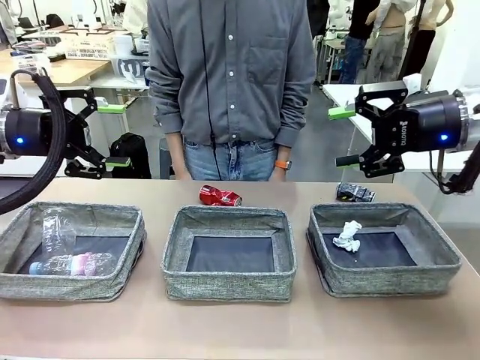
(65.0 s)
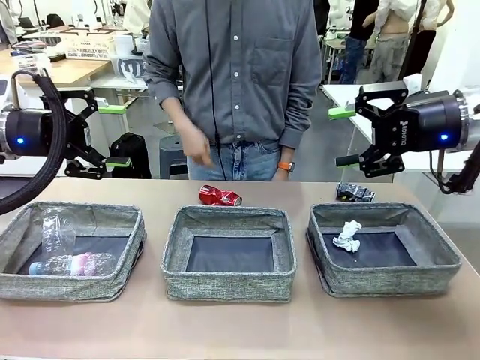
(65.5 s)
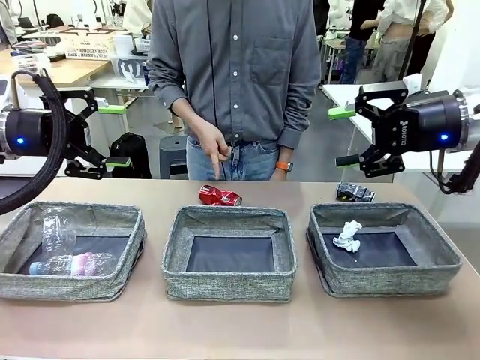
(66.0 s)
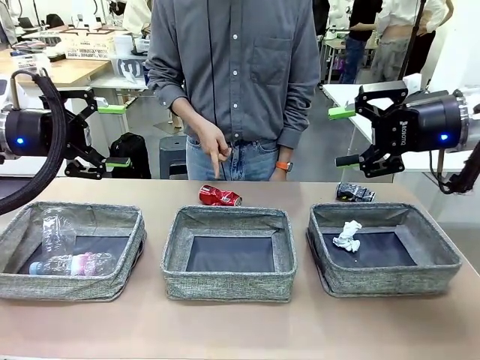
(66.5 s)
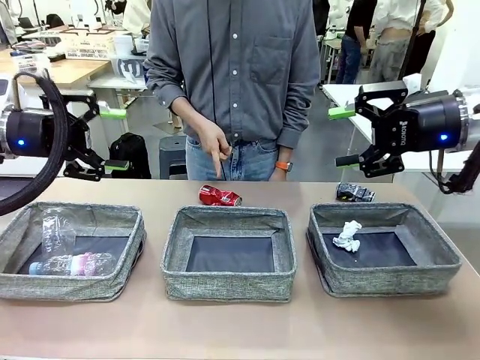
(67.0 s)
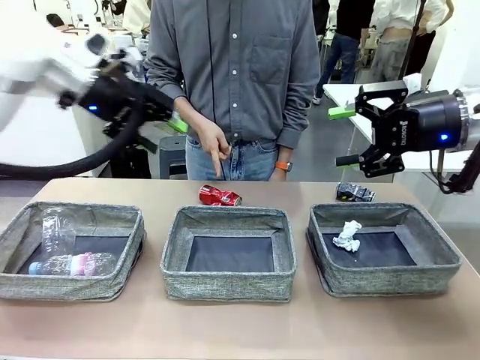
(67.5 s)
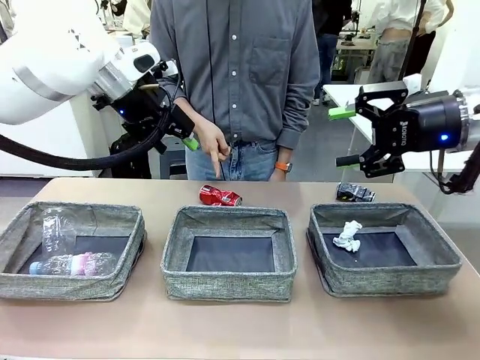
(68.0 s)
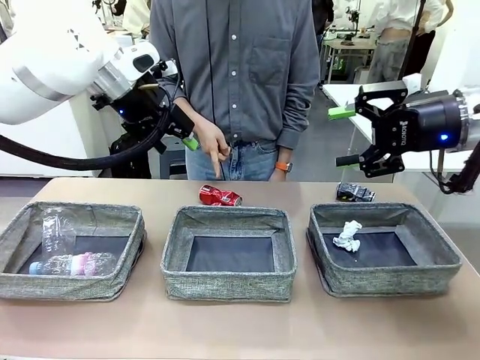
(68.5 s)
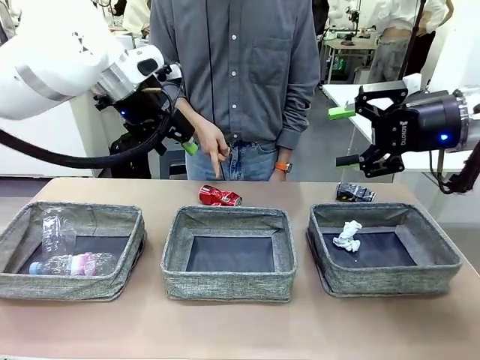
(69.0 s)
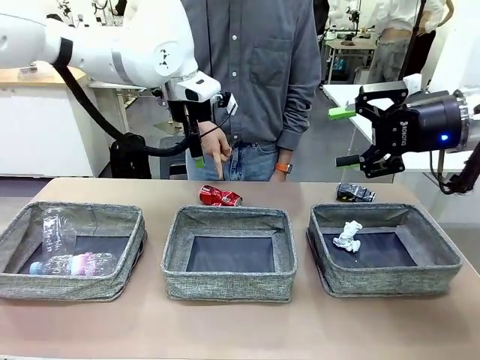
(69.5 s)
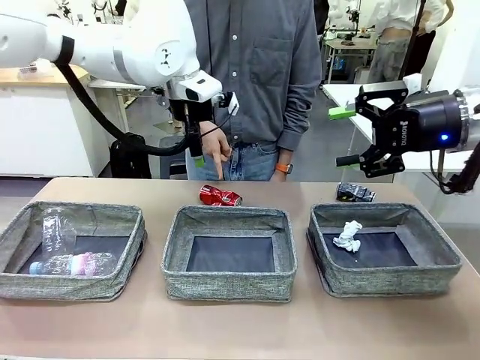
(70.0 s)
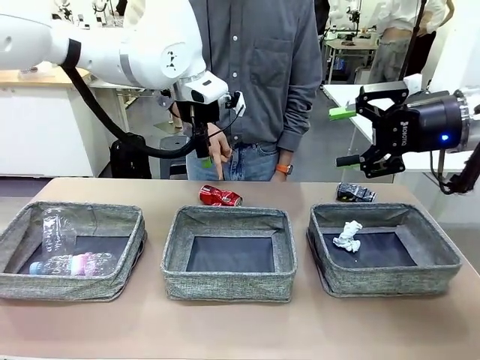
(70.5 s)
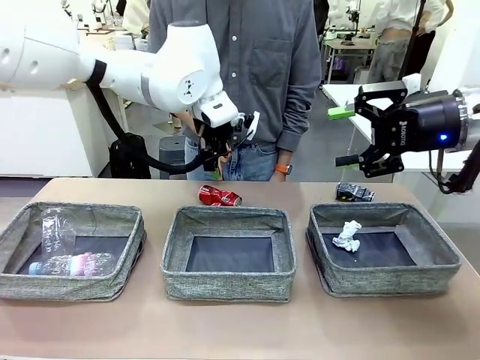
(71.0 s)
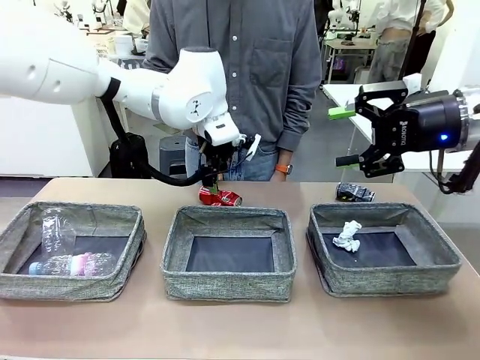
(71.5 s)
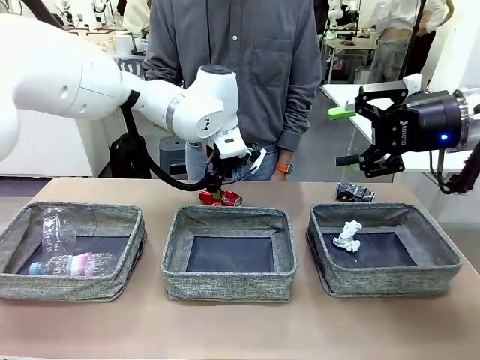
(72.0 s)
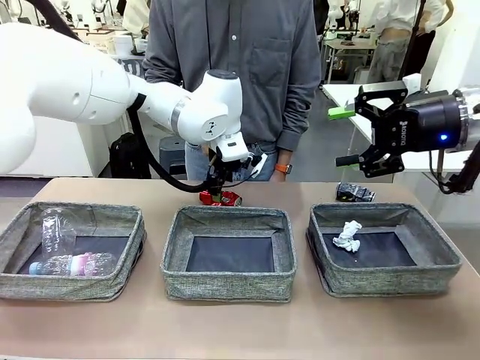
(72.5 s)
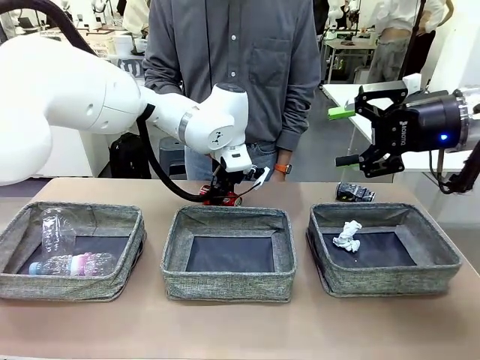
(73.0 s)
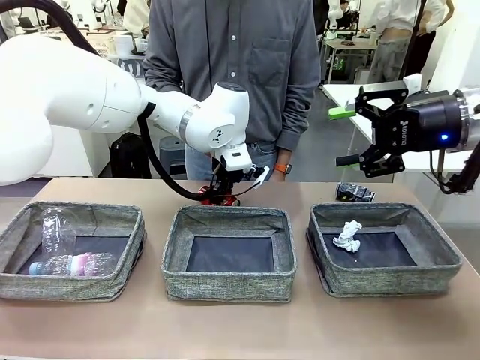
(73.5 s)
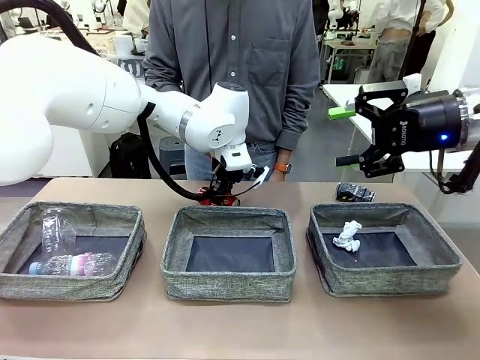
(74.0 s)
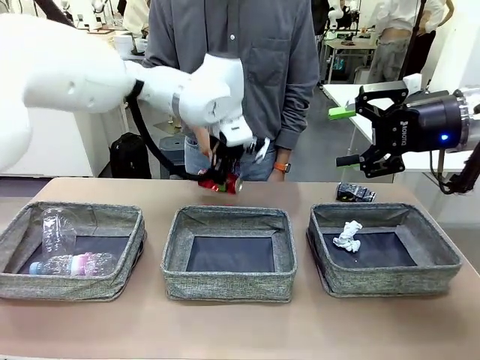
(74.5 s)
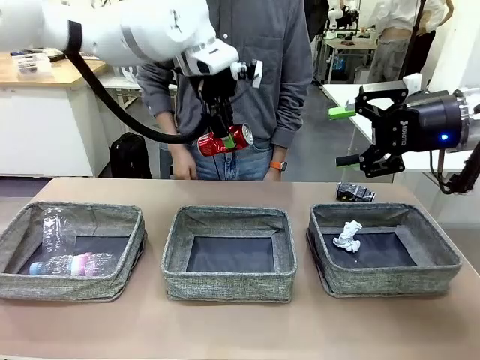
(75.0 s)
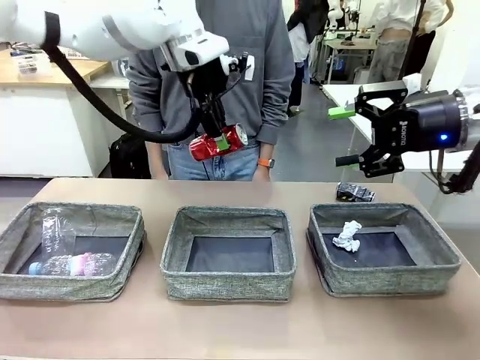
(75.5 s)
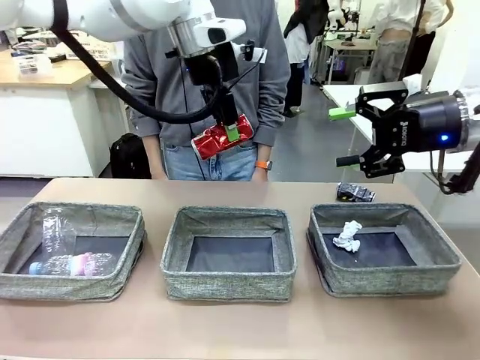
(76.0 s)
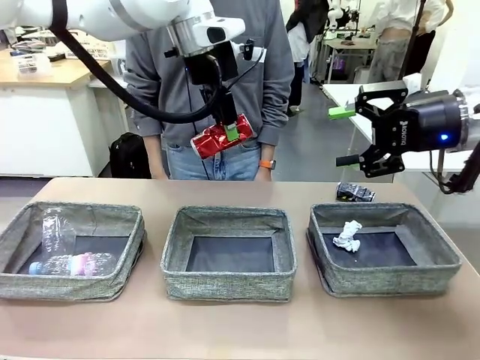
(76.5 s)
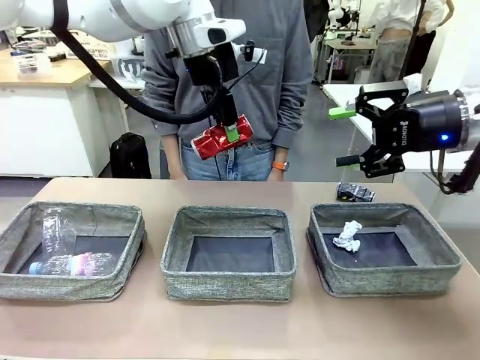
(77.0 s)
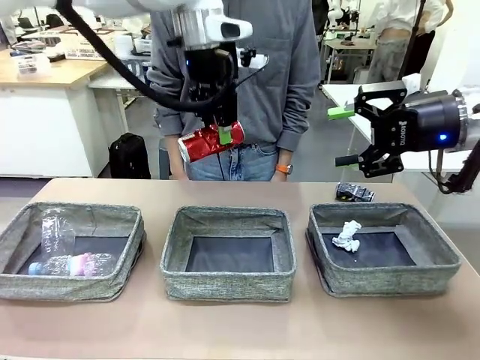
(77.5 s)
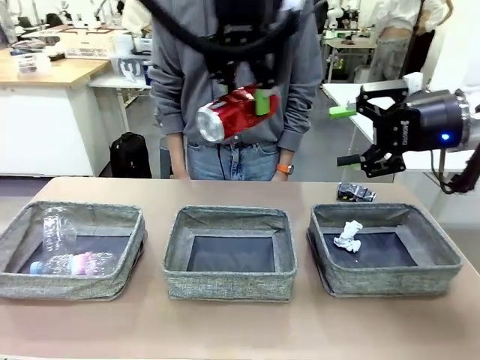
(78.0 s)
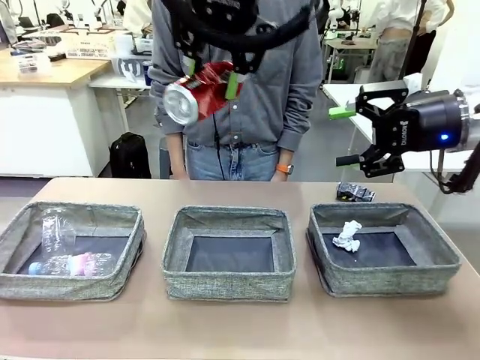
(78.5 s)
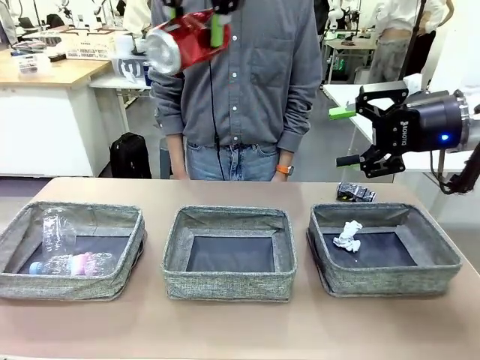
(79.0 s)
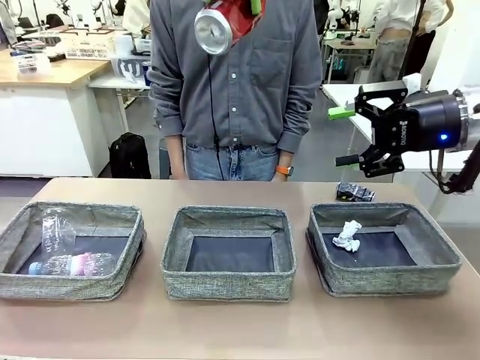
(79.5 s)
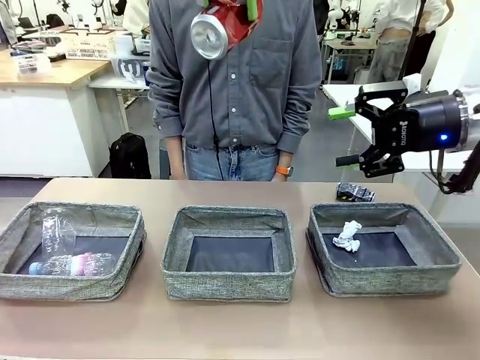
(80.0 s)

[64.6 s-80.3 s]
Task: Sort the waste into the appropriate baskets.
Robot: Pick up the waste item pointed out by the person.
Person: Points to one piece of trash on the table.

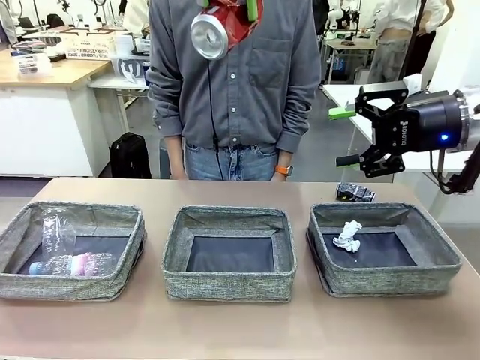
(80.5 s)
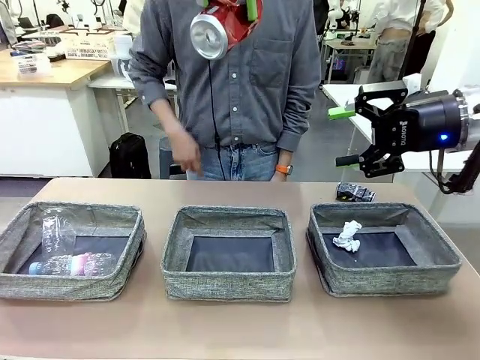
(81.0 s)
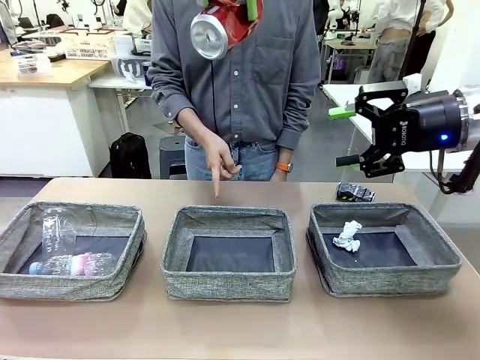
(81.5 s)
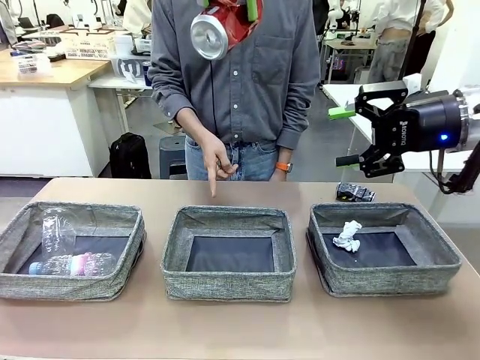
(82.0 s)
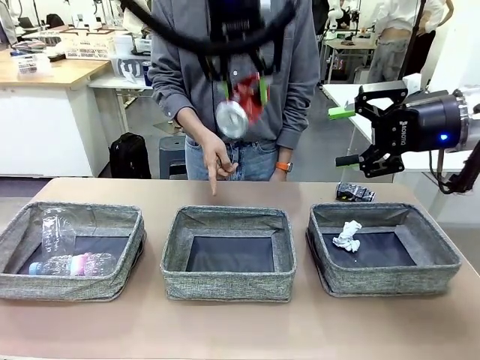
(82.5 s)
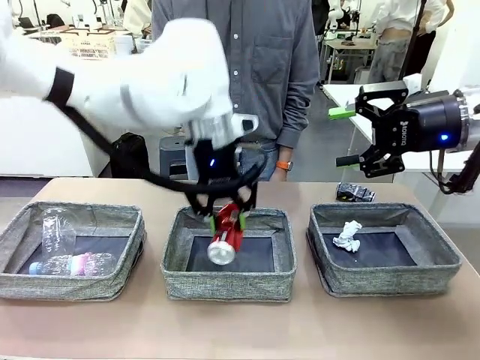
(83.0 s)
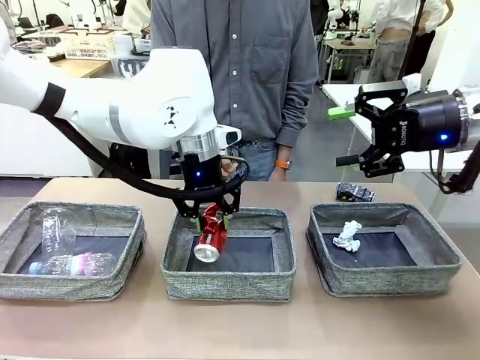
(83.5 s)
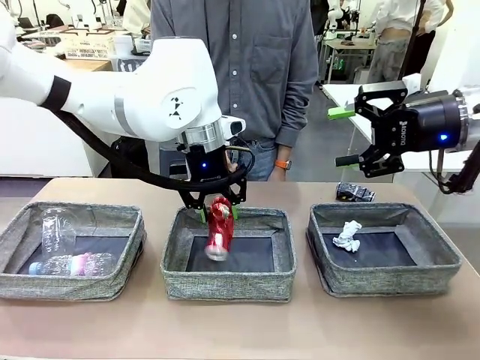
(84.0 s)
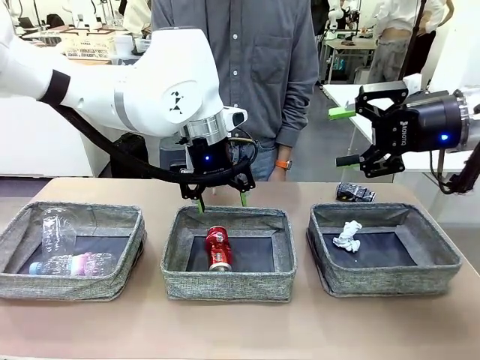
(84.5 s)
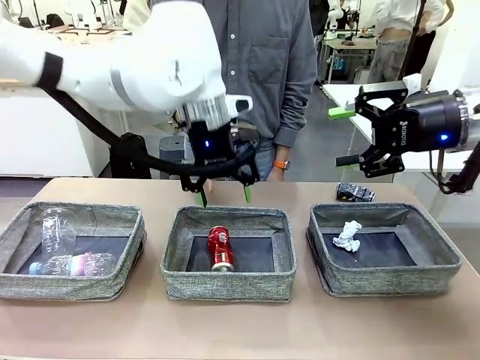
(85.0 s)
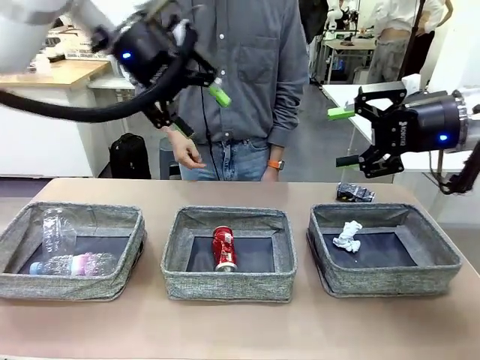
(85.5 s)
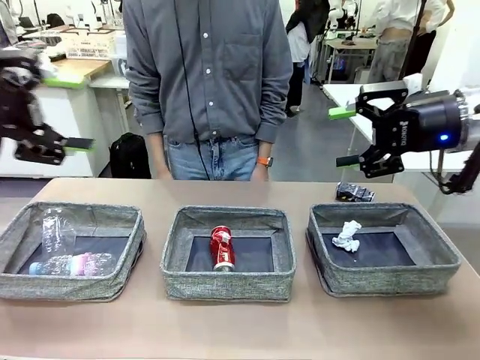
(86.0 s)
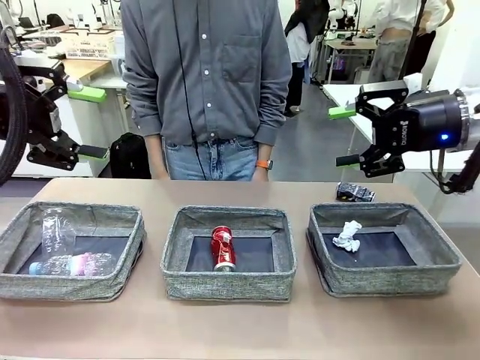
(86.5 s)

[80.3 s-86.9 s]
Robot: Place the picked waste into the Fabric basket indicated by the person.
Person: Instructs the robot to place the picked-up trash into the appropriate organizing basket.
